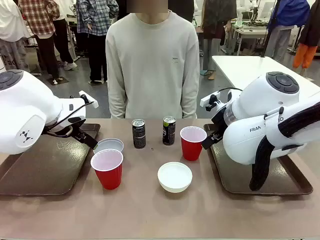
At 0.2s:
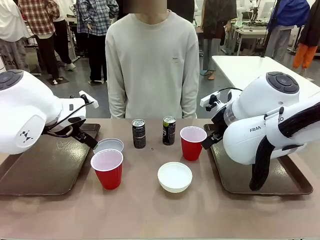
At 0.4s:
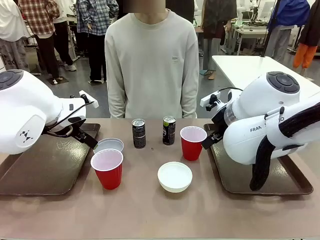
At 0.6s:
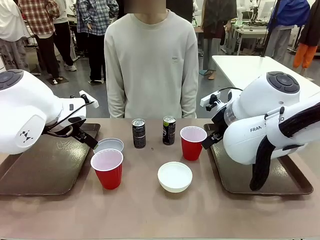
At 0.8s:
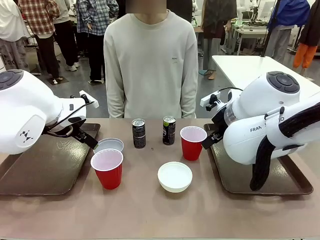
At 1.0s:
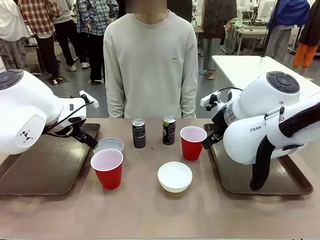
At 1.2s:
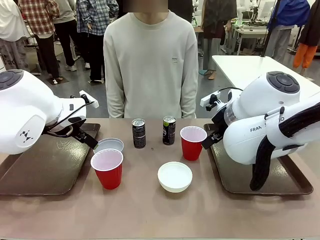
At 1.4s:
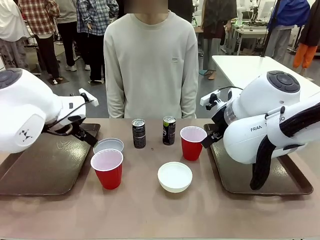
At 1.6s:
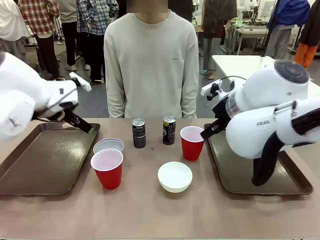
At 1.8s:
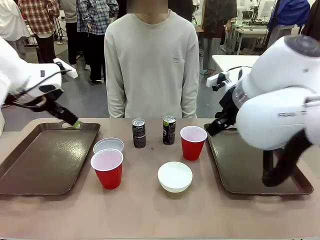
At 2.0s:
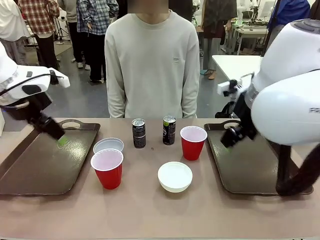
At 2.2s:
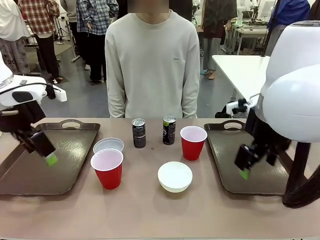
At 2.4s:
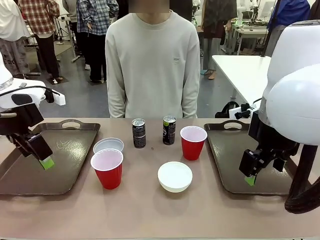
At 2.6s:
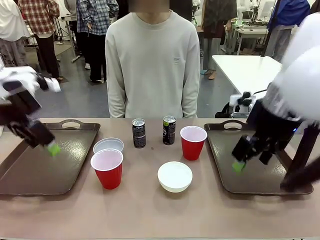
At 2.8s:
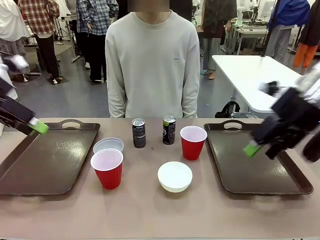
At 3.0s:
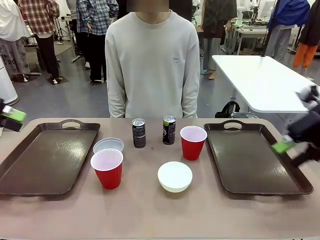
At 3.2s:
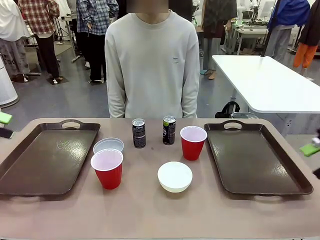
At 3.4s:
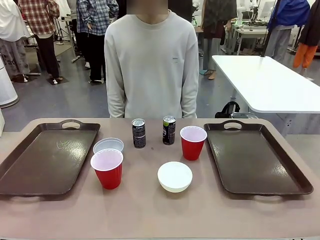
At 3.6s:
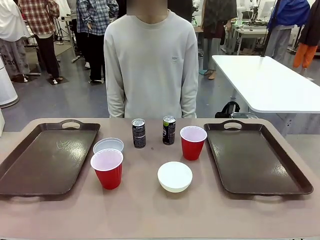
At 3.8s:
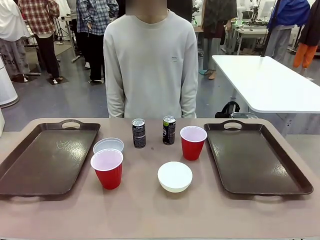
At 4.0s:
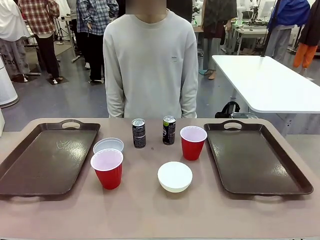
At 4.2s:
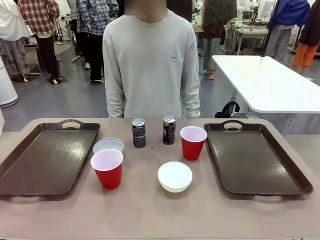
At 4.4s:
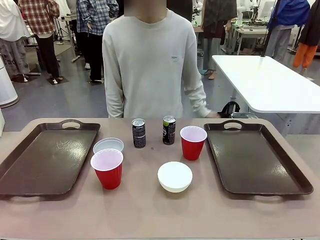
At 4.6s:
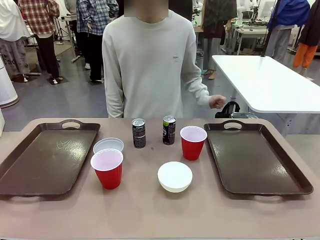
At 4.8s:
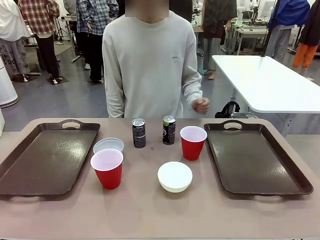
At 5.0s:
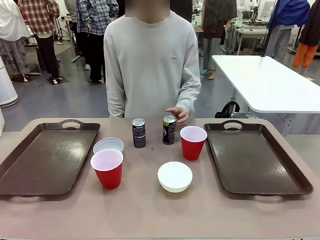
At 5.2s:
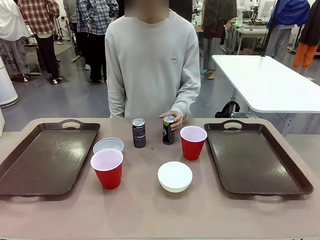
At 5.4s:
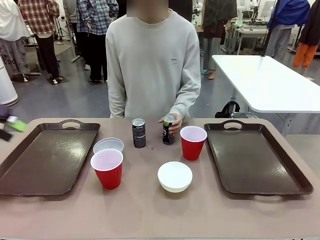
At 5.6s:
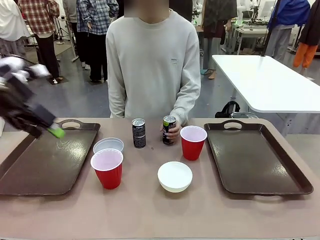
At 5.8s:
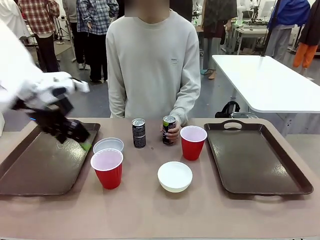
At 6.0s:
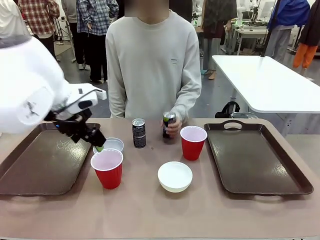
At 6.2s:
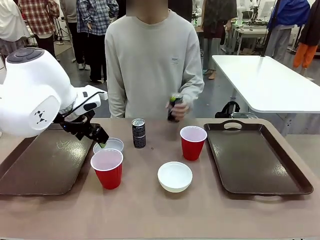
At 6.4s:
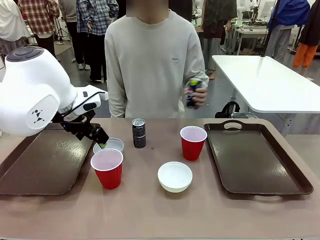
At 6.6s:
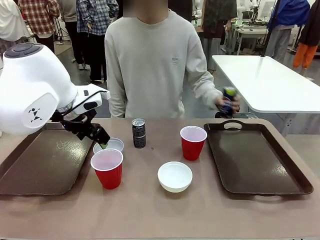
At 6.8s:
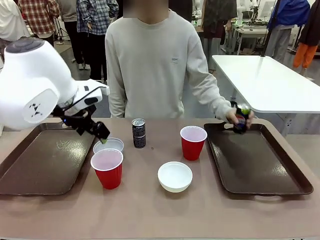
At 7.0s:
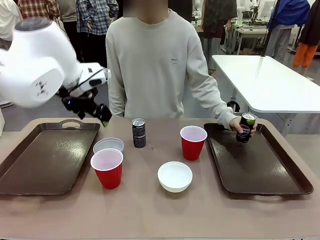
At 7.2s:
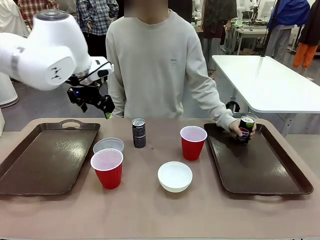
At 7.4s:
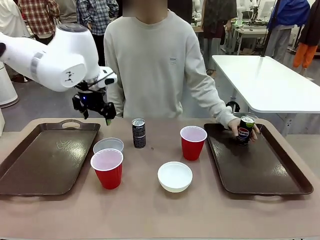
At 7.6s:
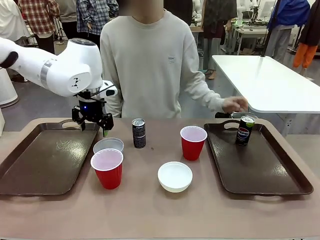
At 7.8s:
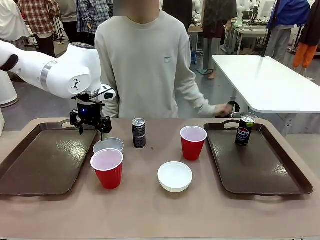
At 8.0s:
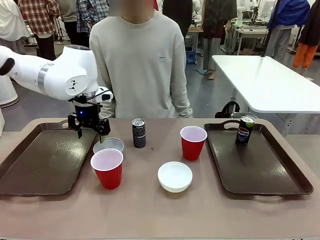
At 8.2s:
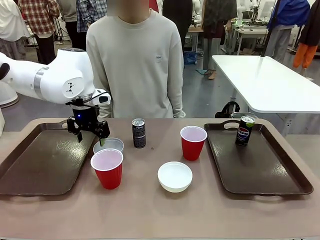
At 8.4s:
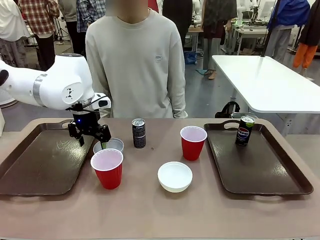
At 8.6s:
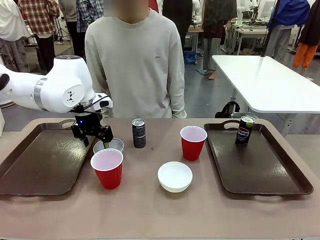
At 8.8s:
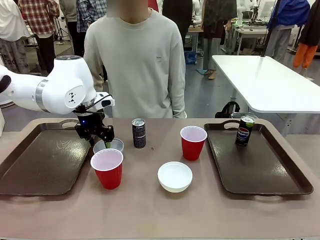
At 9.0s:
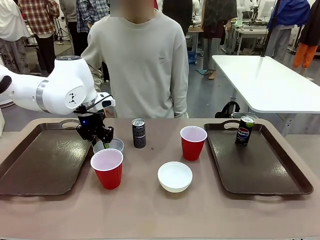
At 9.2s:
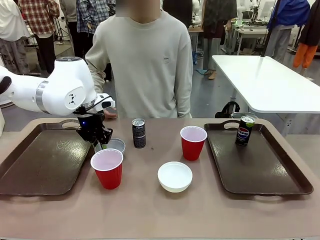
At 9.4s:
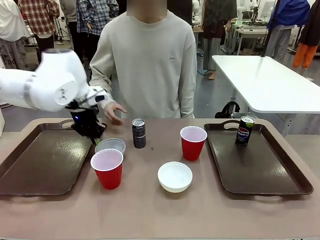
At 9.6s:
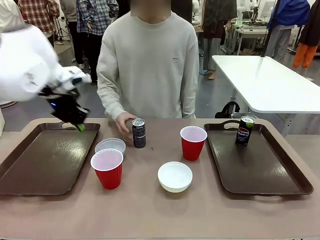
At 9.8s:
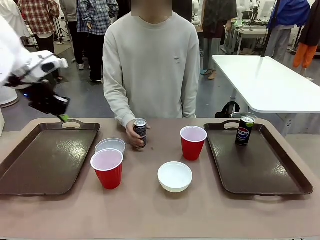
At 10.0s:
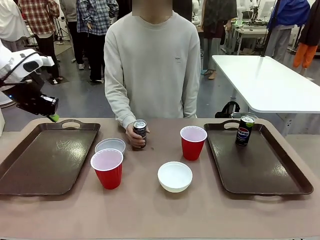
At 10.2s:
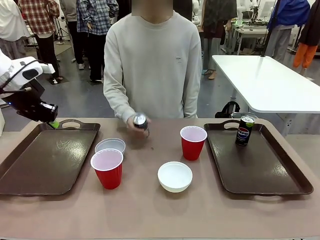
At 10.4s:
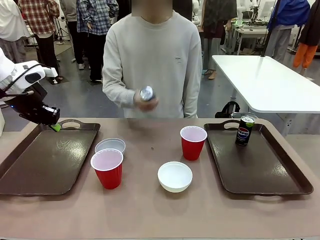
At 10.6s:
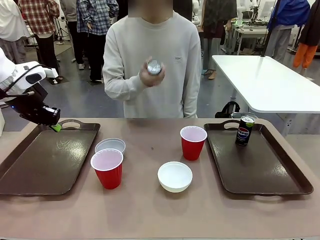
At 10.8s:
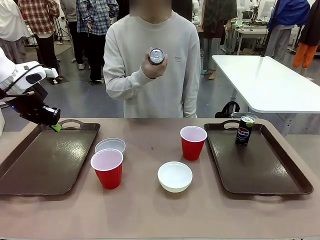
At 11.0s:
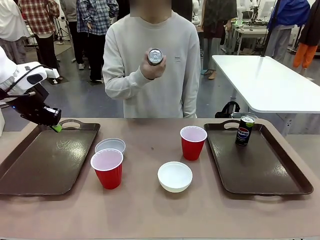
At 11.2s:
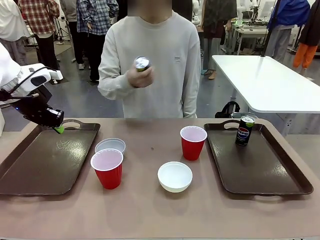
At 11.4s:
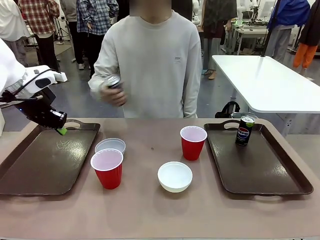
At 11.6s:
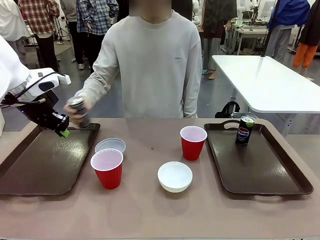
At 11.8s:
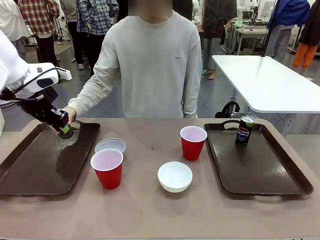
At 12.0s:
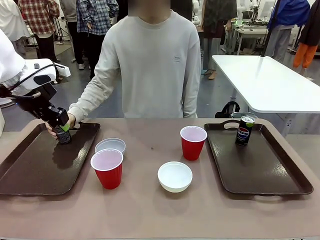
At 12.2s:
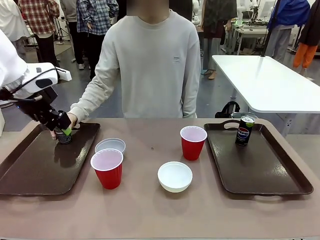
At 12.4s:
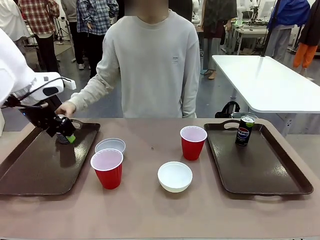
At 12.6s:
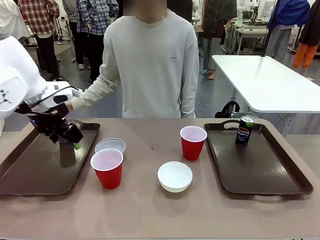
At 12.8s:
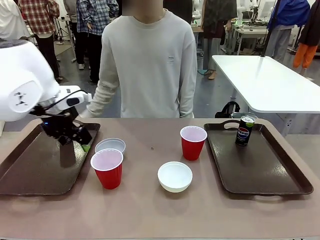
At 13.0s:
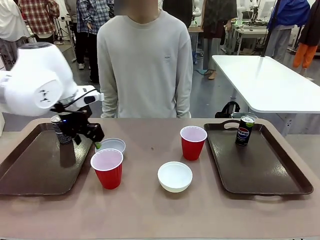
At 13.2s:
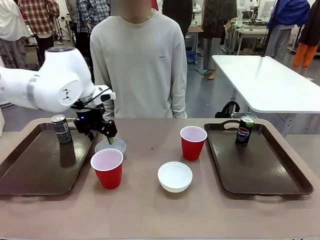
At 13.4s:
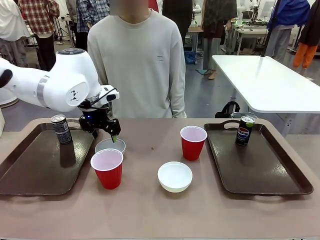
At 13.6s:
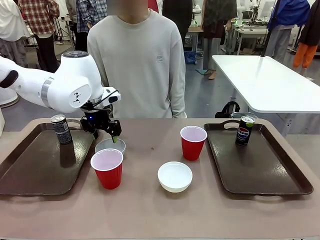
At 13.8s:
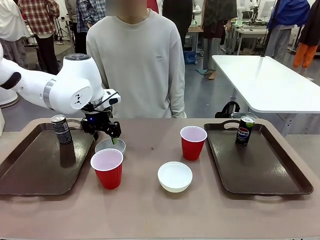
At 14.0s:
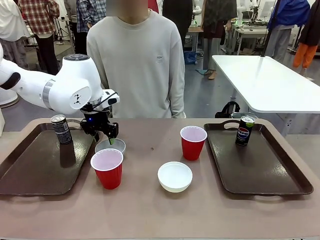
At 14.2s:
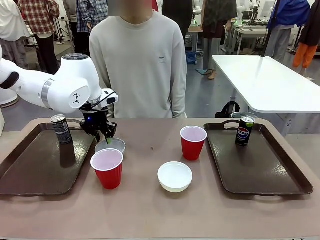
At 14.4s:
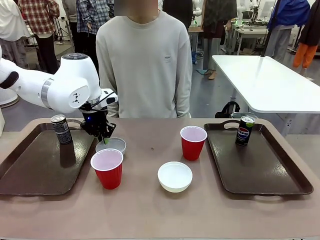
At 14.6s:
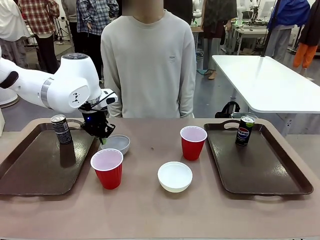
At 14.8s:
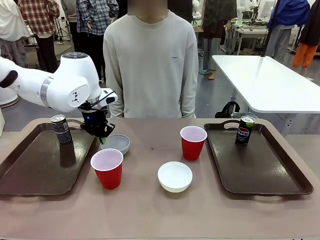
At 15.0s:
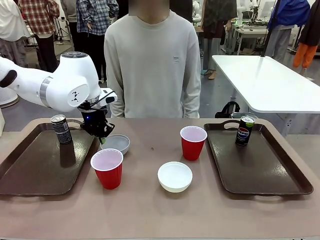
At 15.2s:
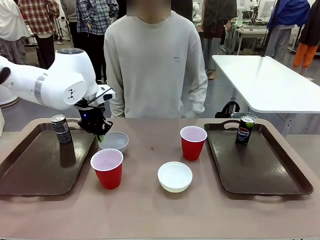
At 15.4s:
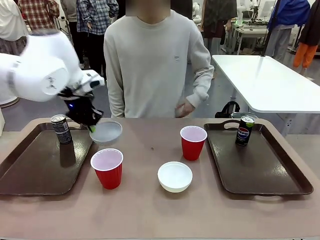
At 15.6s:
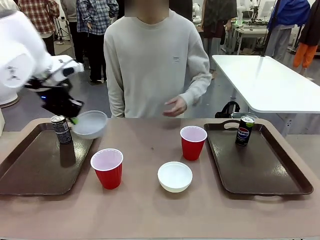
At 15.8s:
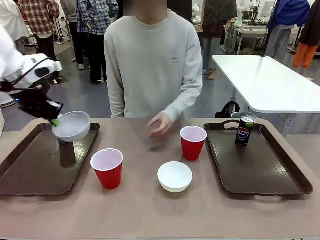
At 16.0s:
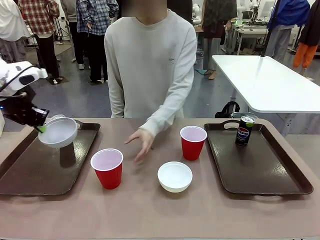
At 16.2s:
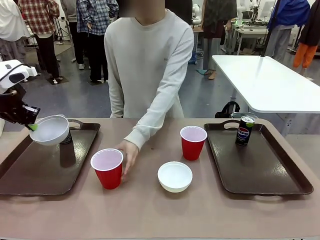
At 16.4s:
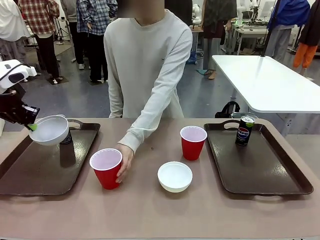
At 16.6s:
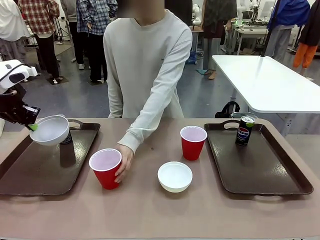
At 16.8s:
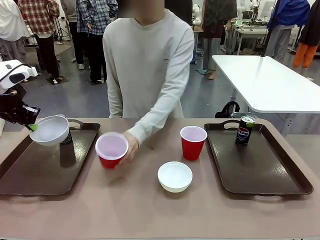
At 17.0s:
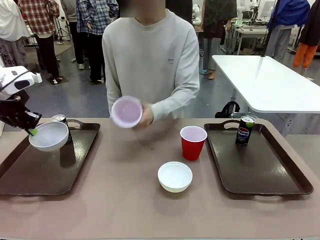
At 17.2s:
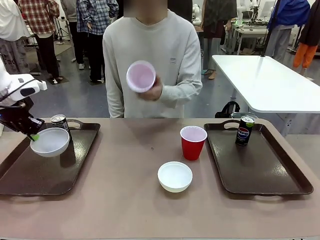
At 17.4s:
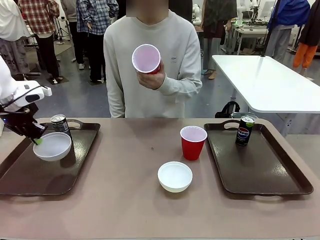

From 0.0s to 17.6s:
Task: Prepare tableware on both trays.
Robot: Pick up a Picnic Bowl from the table and place it on a Handle tray.
Person: Pick up a can or cup and place it on the tray.
